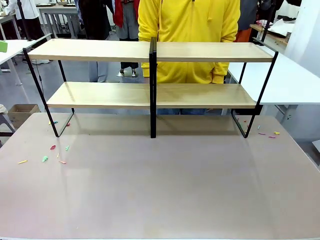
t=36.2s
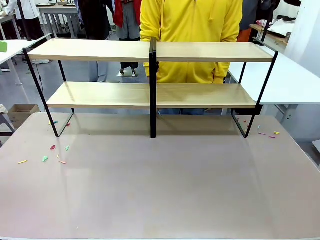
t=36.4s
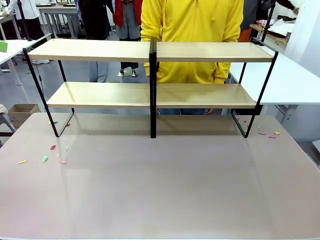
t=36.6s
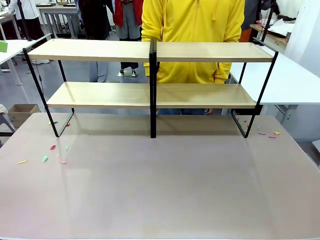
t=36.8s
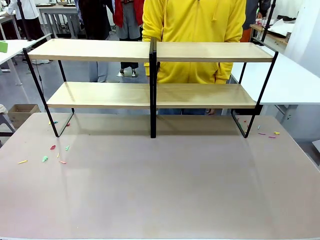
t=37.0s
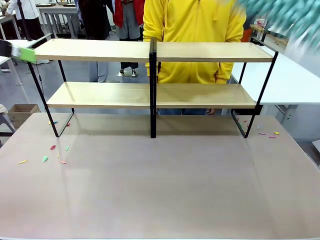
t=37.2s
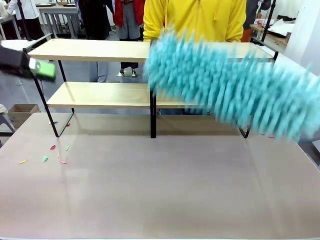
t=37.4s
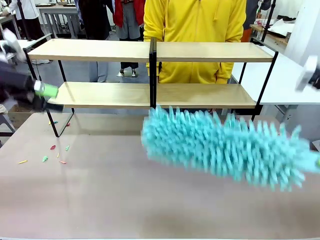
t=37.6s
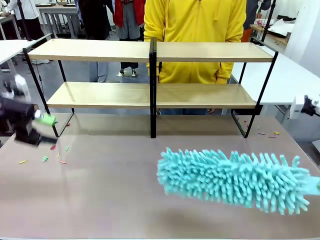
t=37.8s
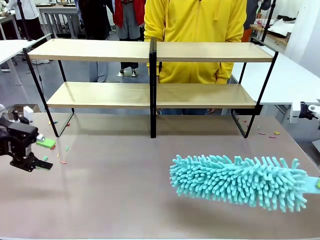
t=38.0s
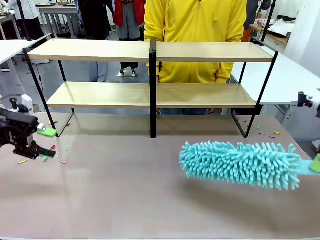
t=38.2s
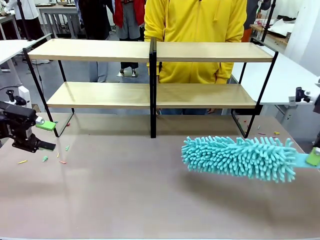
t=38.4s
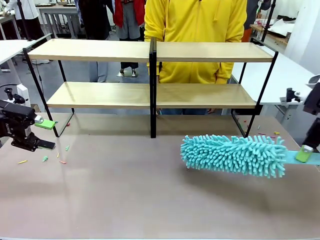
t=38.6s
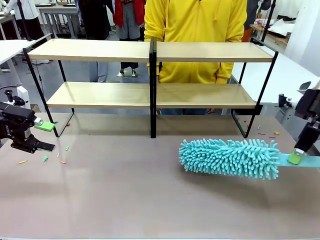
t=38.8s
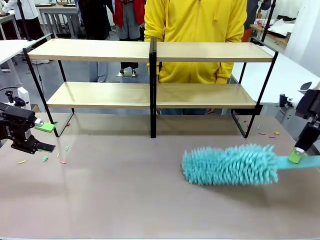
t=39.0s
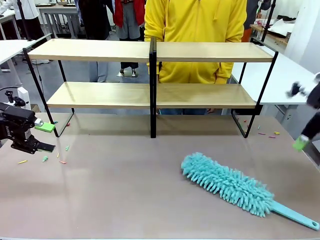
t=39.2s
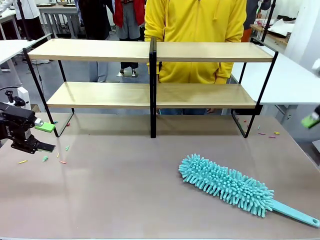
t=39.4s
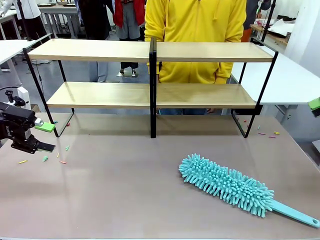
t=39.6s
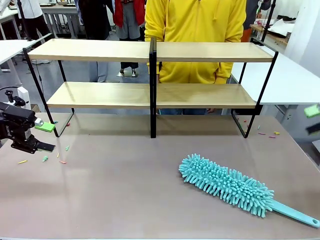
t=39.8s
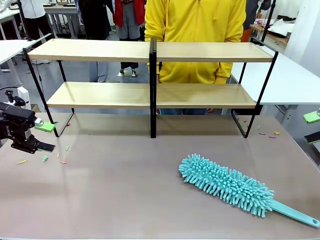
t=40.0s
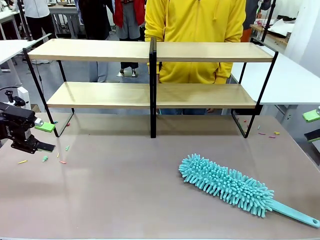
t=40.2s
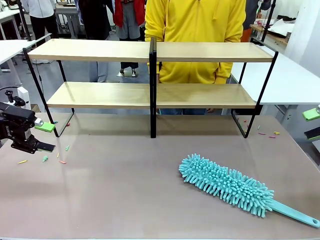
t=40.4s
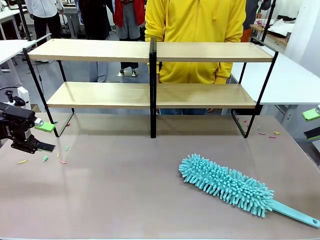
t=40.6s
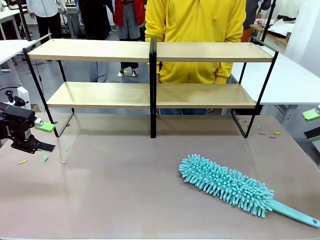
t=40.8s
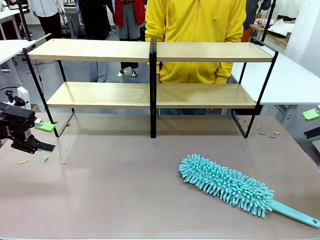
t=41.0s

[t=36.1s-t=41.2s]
Task: Clean the shelves.
Robot: Place the Duster on the table.

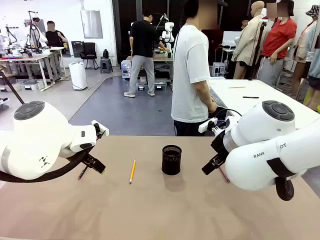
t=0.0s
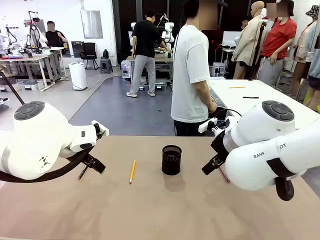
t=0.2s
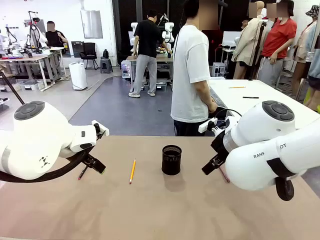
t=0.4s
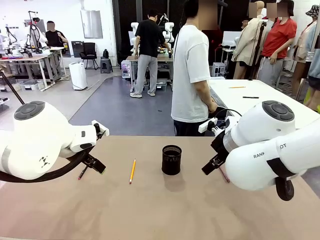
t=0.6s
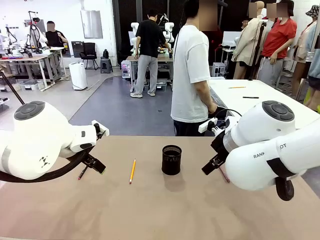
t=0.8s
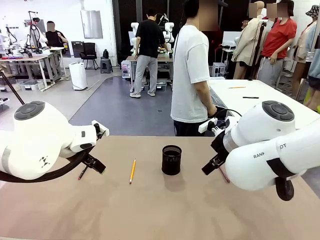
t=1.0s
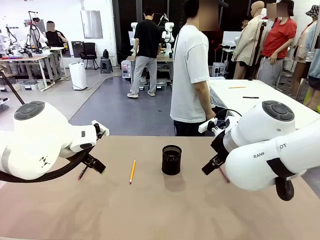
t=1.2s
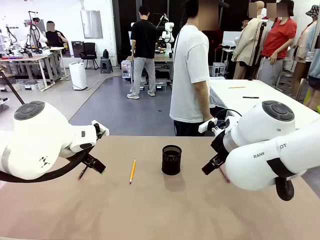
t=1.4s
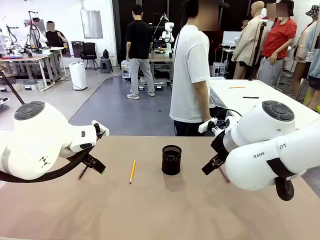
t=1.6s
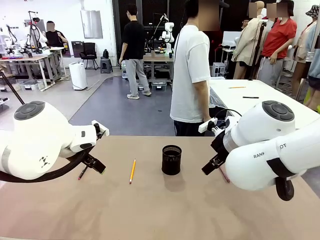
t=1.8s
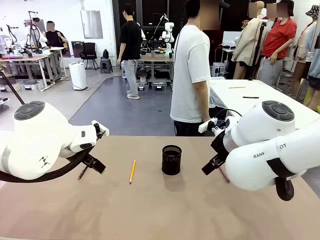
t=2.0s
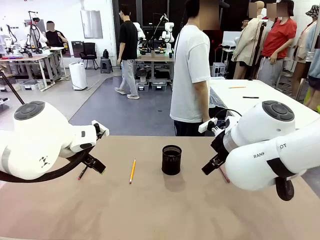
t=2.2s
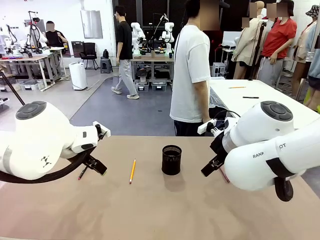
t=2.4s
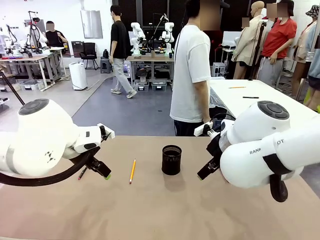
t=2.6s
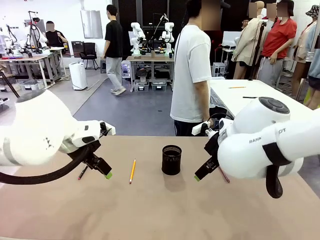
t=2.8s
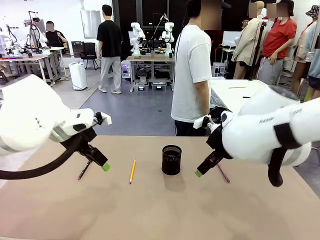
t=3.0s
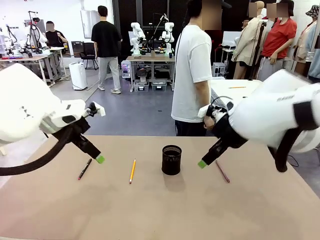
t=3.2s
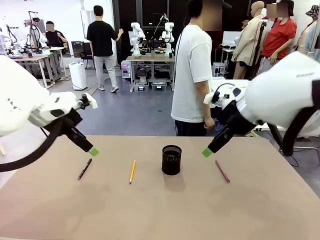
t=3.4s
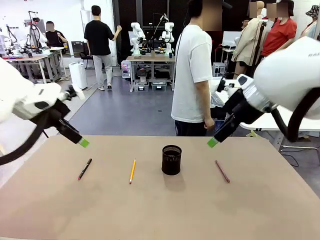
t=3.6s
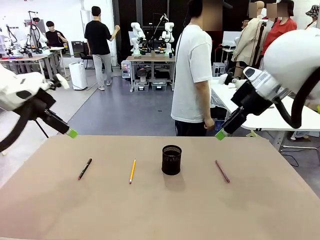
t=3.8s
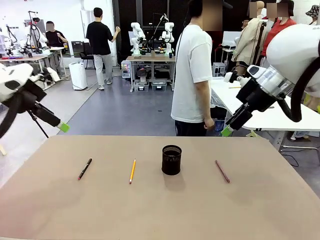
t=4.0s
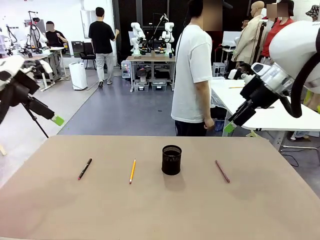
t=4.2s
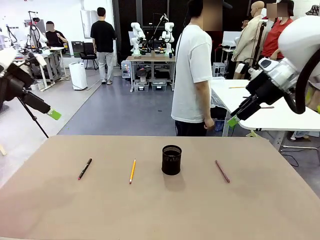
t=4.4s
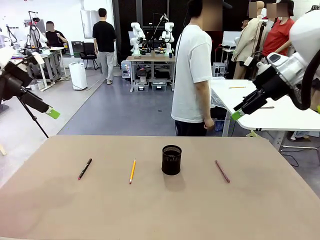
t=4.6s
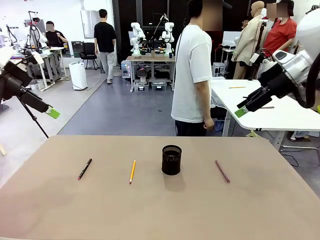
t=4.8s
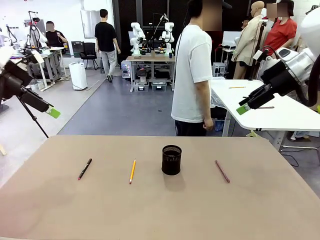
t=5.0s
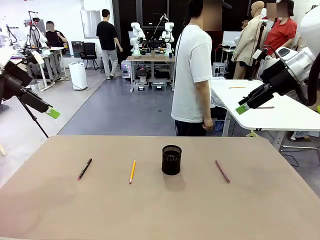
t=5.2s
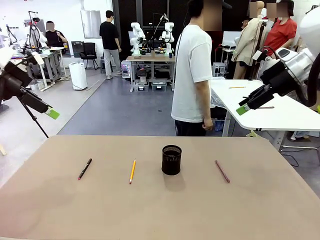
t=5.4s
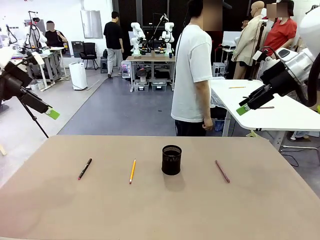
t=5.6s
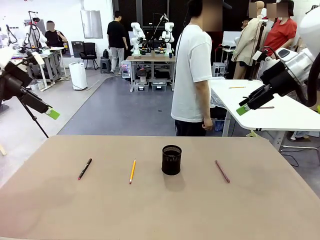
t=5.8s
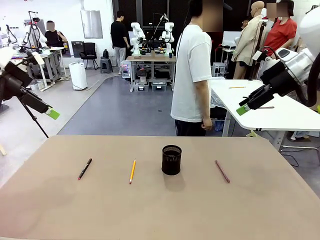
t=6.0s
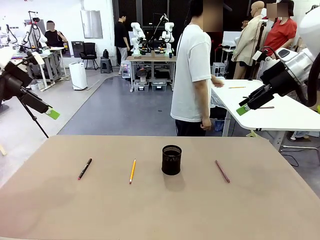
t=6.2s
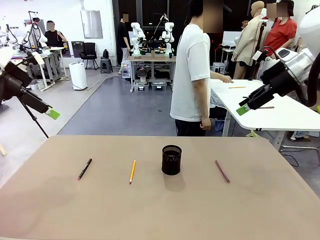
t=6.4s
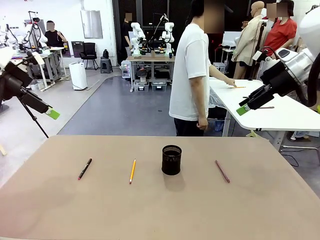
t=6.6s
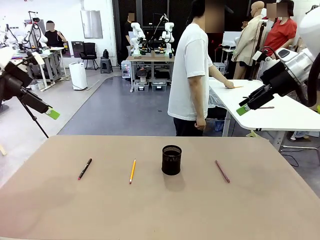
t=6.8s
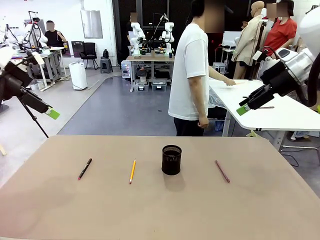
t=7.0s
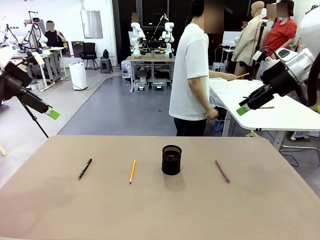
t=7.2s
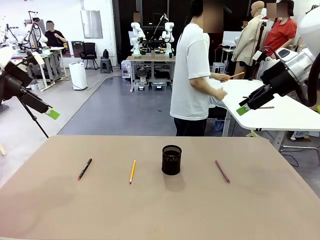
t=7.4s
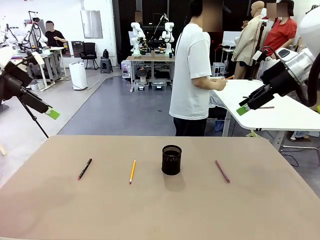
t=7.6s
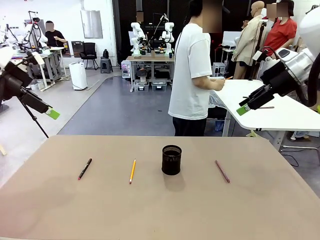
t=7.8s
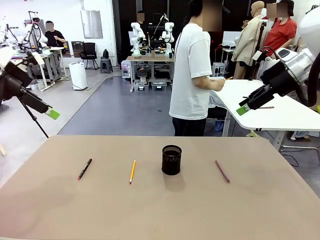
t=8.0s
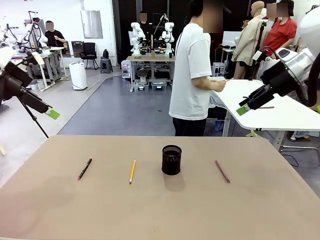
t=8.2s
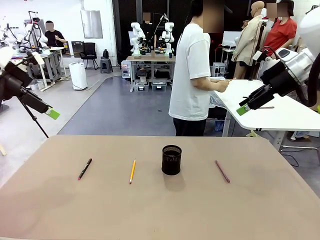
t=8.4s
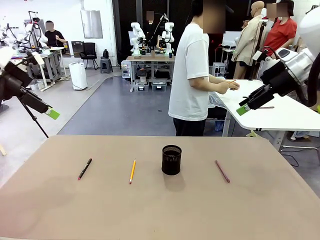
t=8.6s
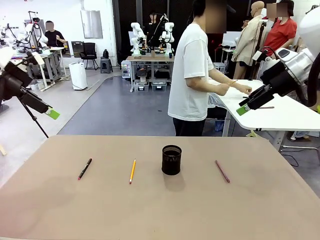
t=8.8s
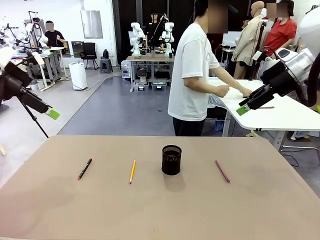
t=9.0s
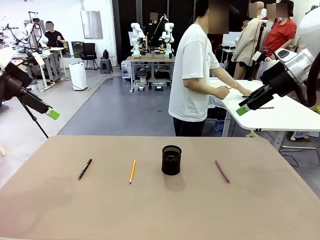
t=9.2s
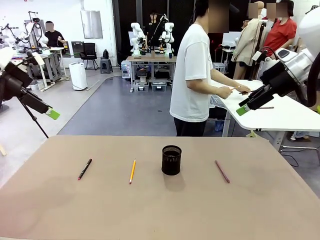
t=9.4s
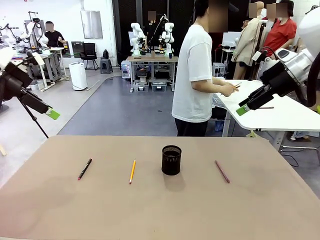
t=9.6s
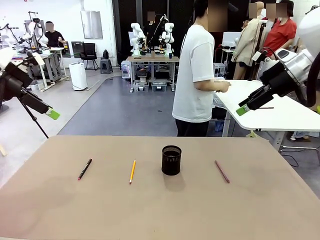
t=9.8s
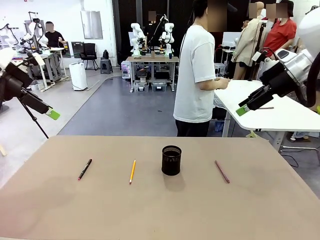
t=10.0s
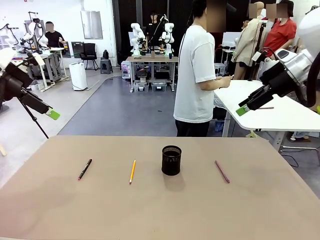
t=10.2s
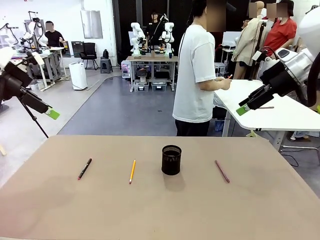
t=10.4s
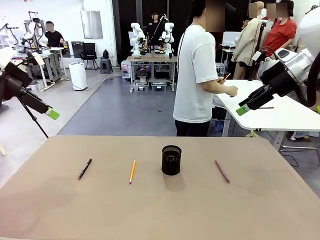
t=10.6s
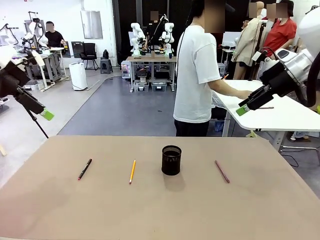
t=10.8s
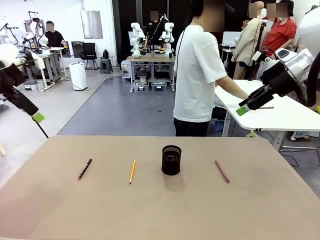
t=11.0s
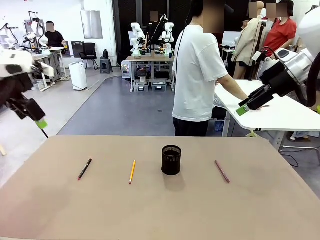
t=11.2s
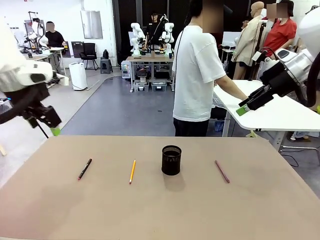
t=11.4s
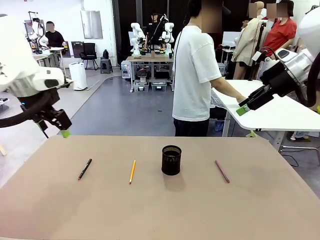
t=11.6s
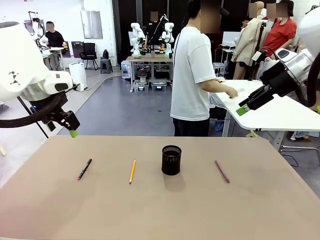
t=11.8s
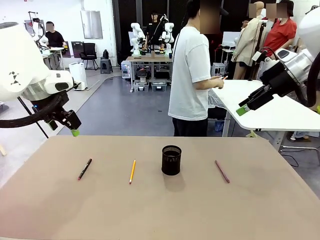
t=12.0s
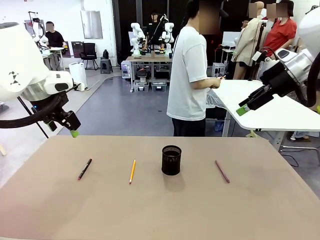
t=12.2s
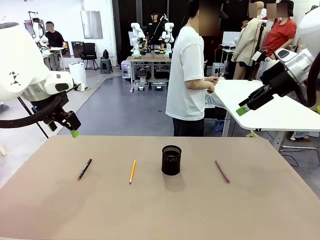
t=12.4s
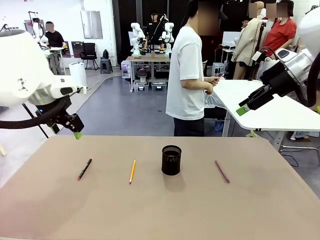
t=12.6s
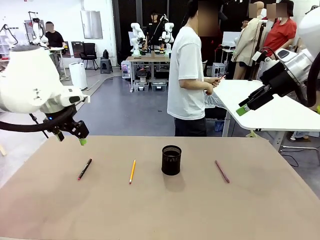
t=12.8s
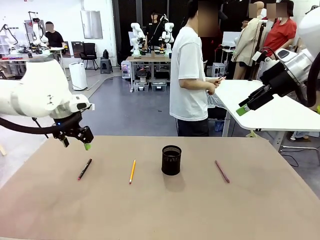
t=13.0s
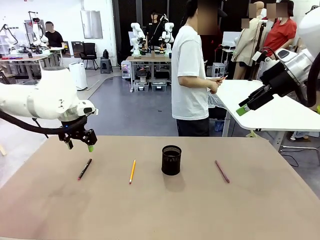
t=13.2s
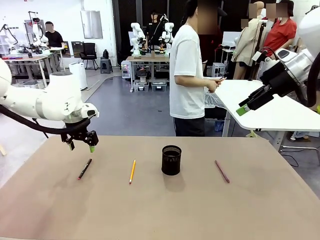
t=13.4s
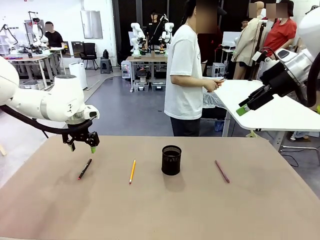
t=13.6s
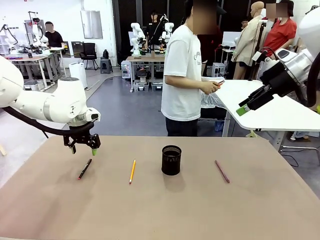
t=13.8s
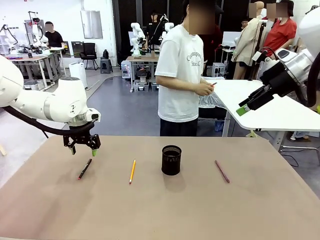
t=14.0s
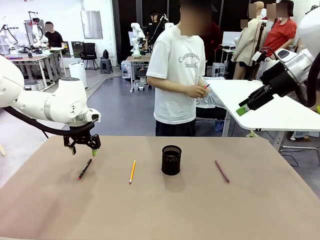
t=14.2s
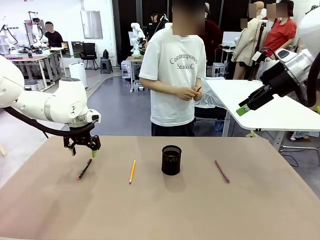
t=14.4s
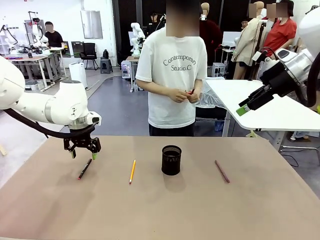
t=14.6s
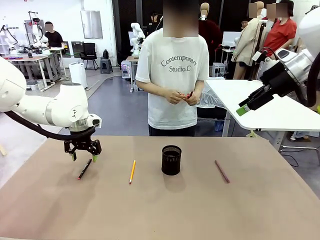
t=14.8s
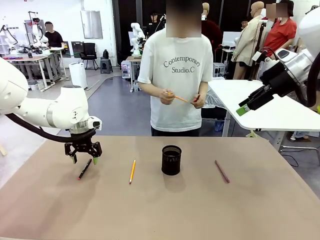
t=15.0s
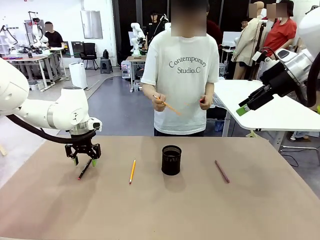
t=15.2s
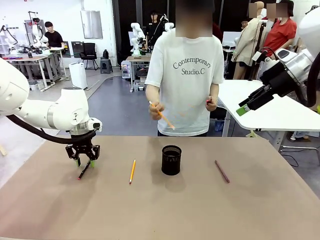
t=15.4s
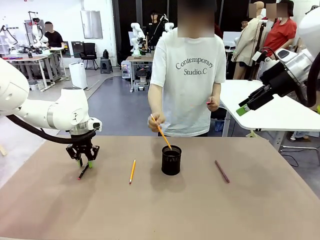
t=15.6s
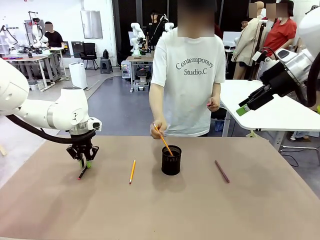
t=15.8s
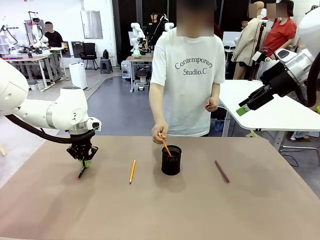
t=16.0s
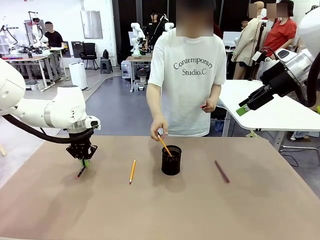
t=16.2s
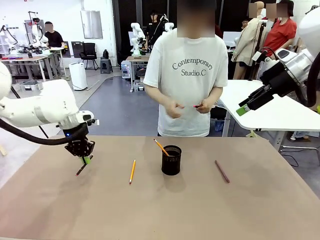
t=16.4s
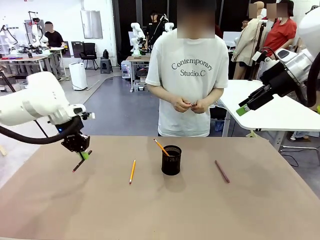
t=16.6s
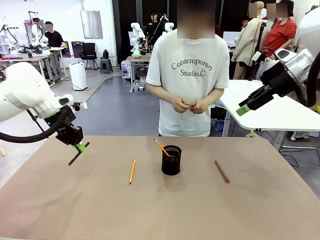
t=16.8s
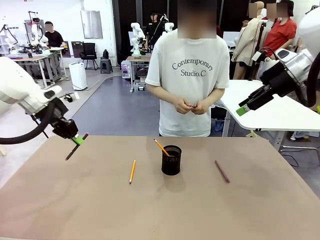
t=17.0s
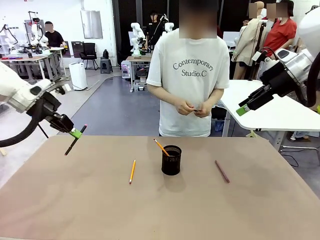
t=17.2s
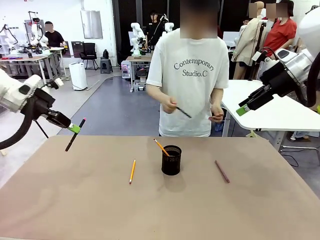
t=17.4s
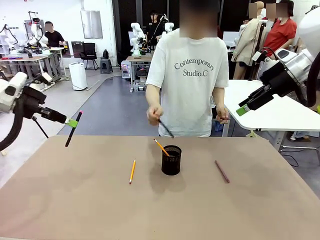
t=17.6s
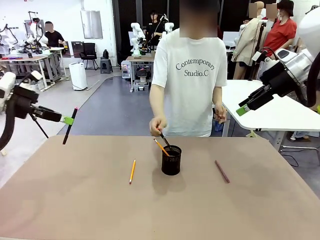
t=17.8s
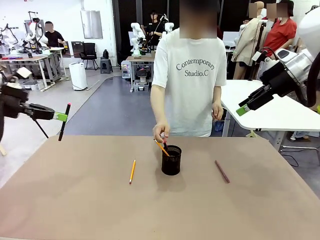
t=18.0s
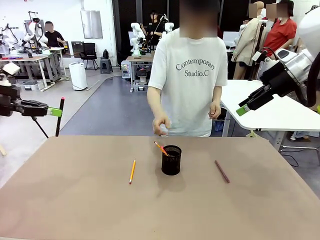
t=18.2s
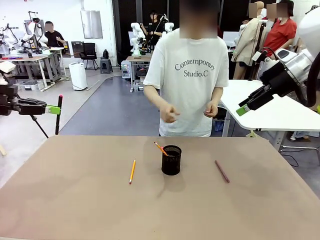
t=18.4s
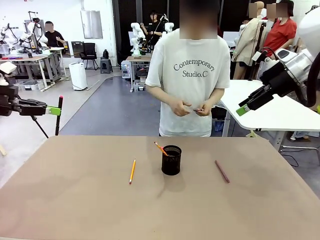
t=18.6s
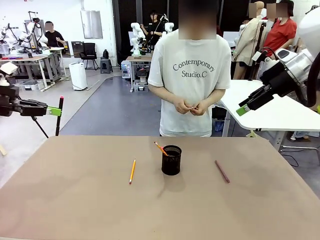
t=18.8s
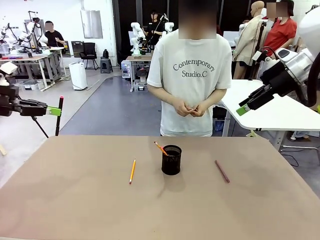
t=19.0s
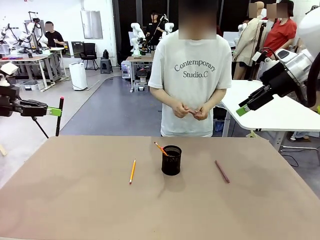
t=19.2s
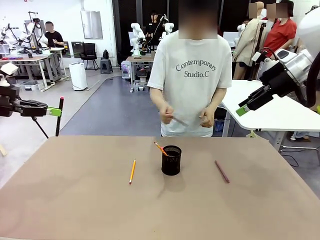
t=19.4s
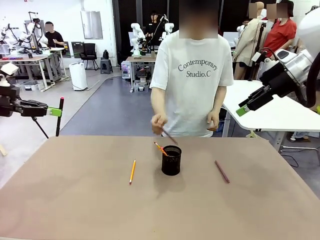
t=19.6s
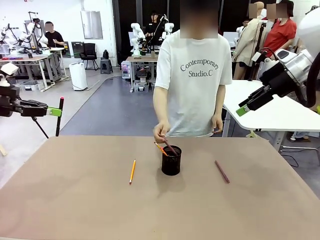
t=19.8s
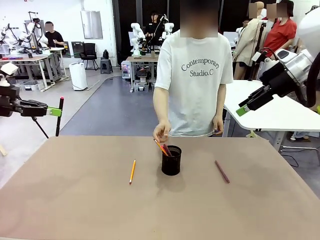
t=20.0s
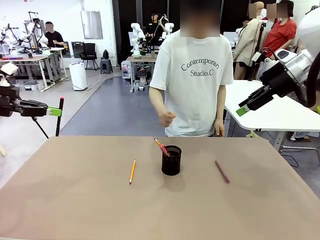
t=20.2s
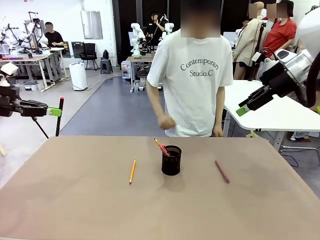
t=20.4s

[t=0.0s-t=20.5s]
Task: Place the pens into the pen holder.
Robot: Pick up a writing instrument from the table and place it into the Pen holder.
Person: Pick up all writing instruments from the Human table.
